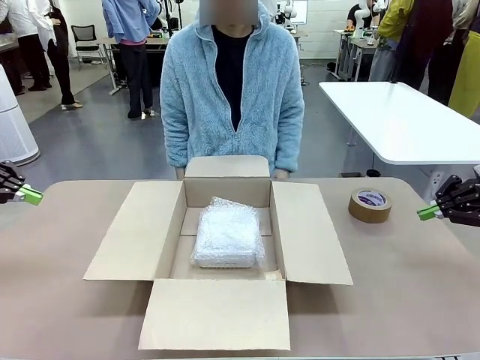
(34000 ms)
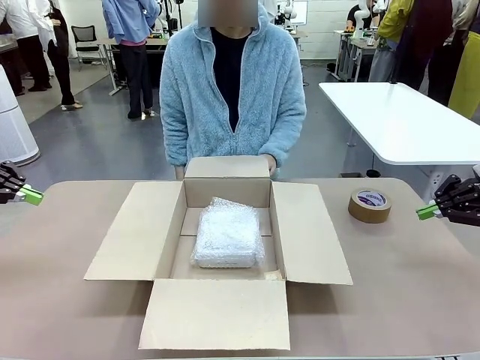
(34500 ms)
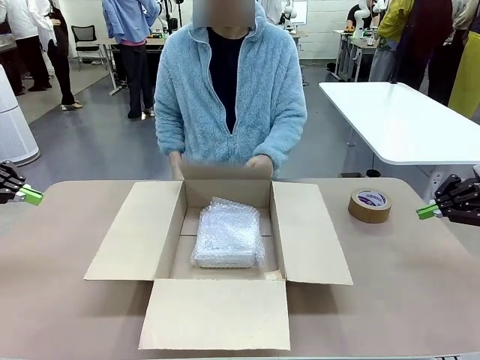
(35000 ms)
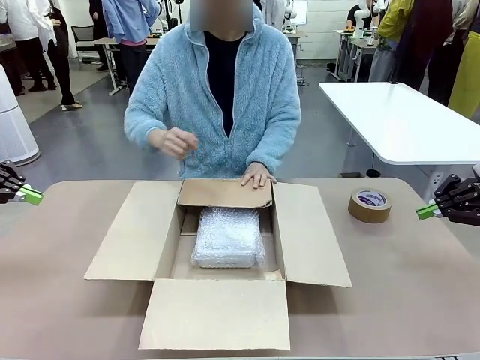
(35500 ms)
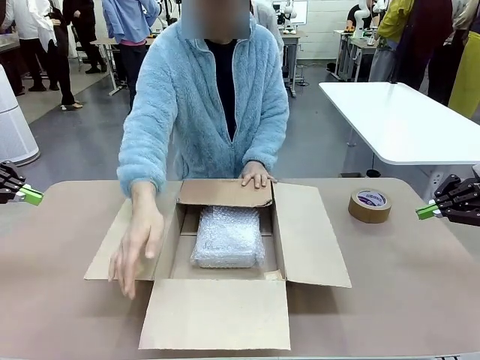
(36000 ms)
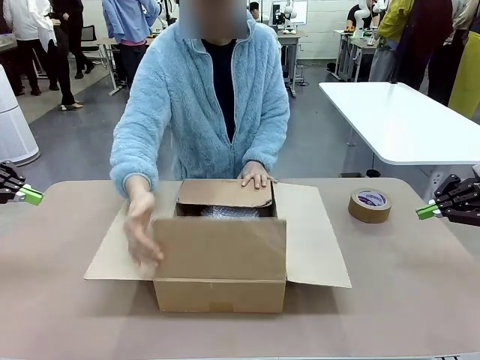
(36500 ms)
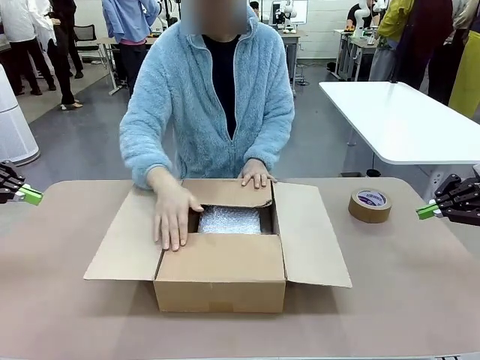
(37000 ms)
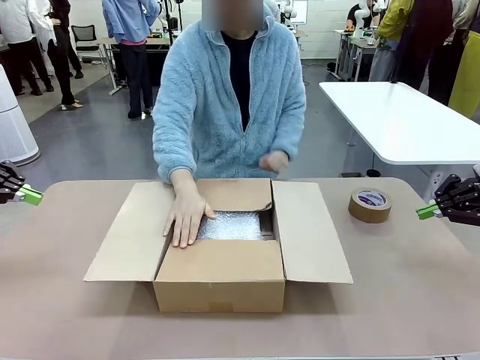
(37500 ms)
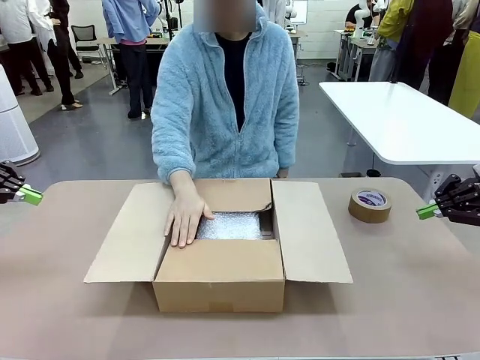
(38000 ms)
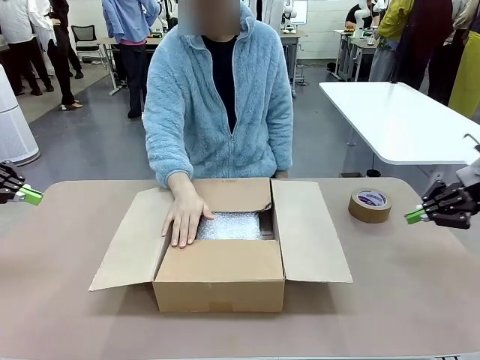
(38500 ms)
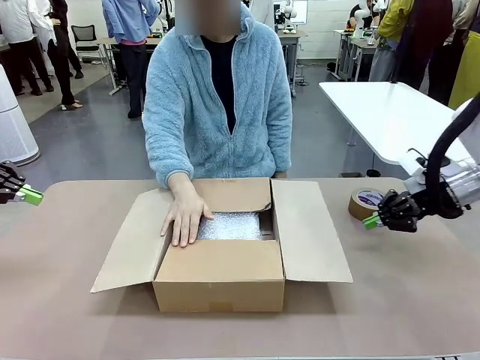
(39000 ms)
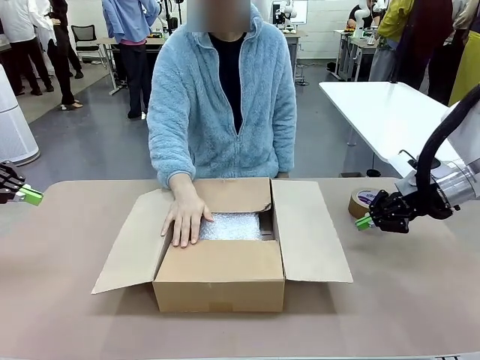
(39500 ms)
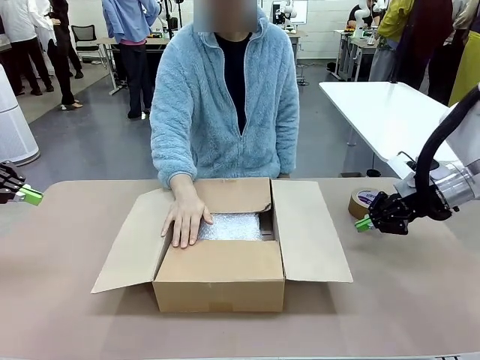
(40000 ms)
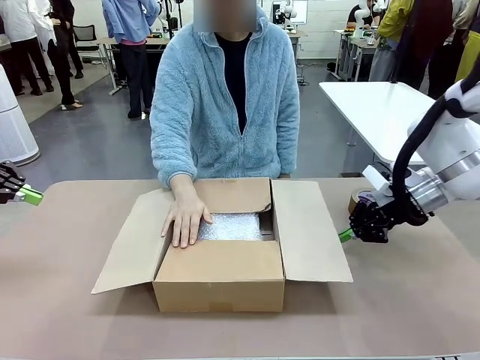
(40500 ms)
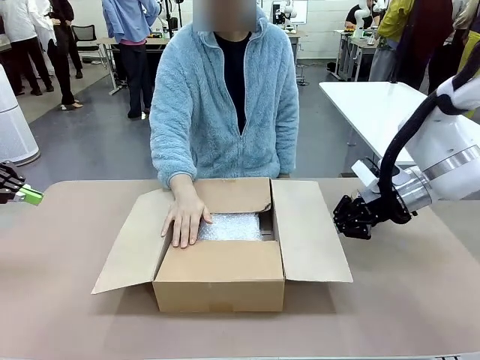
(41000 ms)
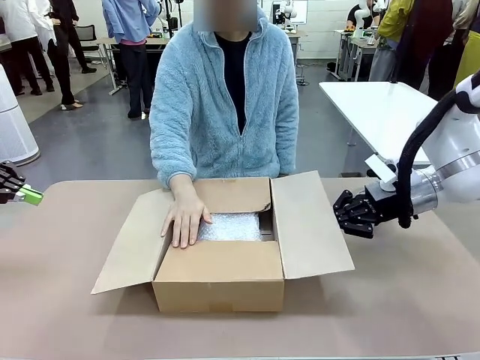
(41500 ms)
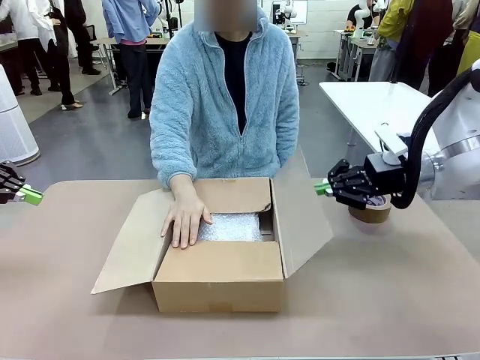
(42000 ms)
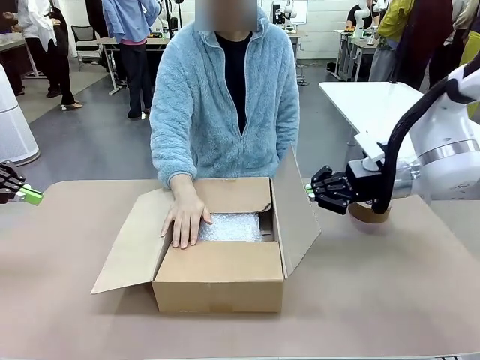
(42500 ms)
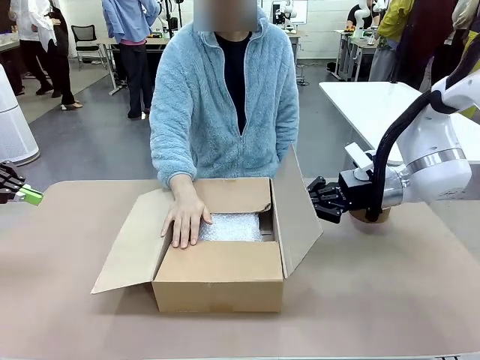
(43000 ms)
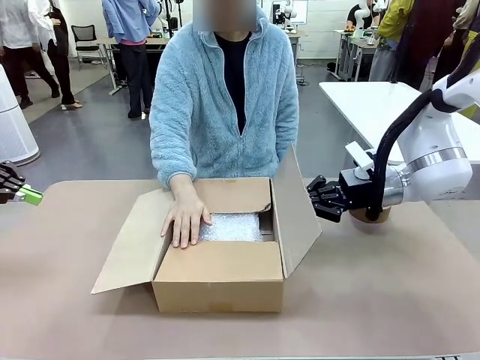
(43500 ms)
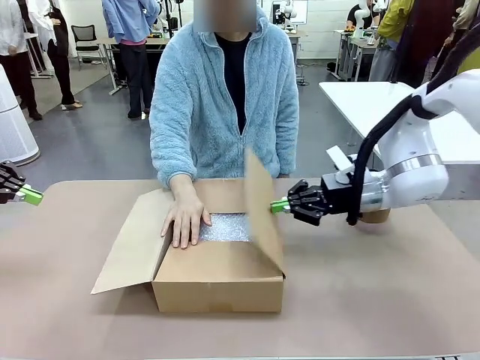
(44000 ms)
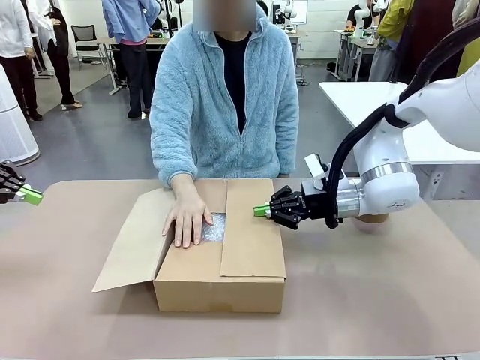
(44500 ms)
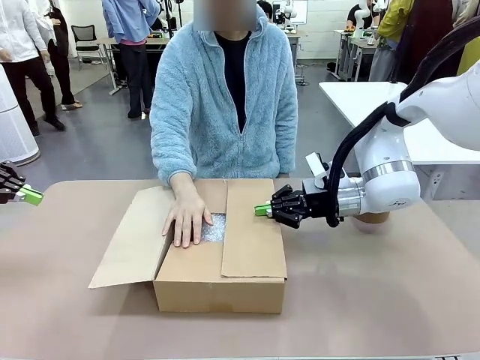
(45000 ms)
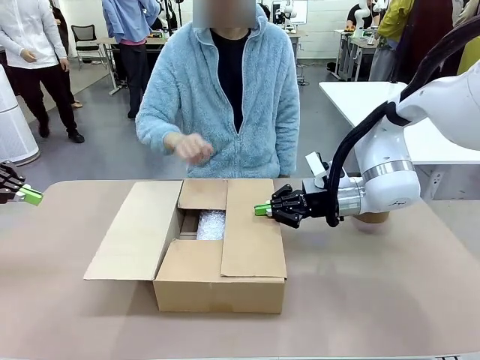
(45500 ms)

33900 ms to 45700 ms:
Task: Wrap the clocks to prevent damage.
Robot: Push the right (or left) flap of the Package Box to close it.
Person: Once the robot closes the right flap of the Package Box , release your left hand from the box.

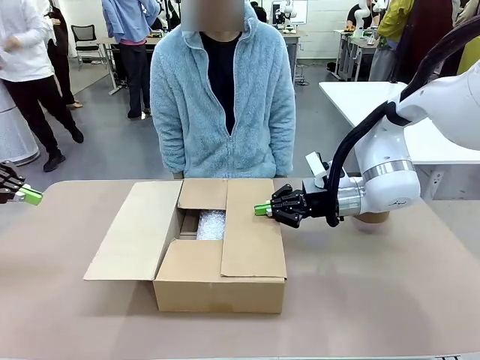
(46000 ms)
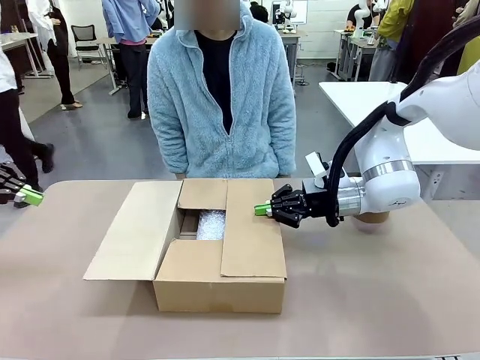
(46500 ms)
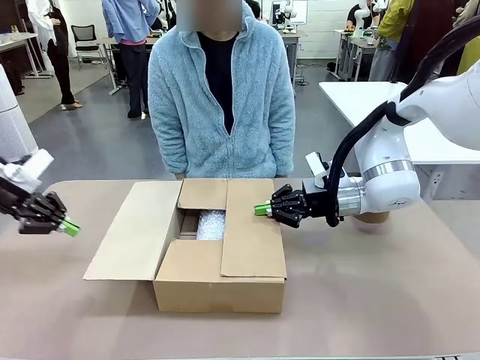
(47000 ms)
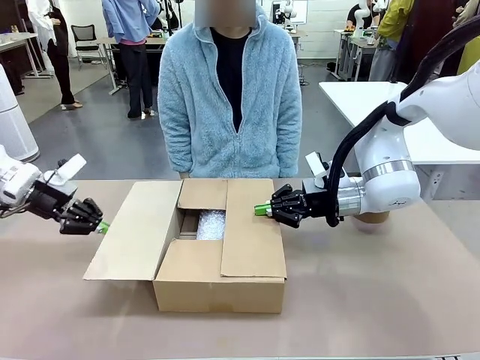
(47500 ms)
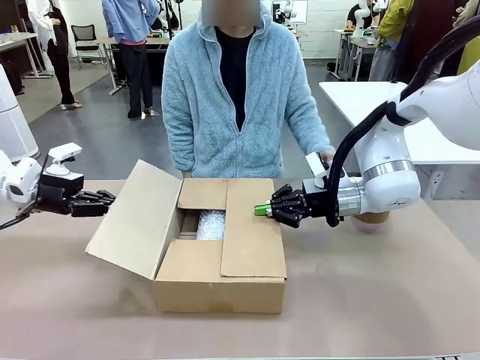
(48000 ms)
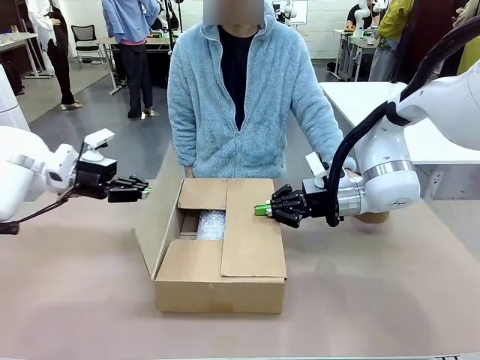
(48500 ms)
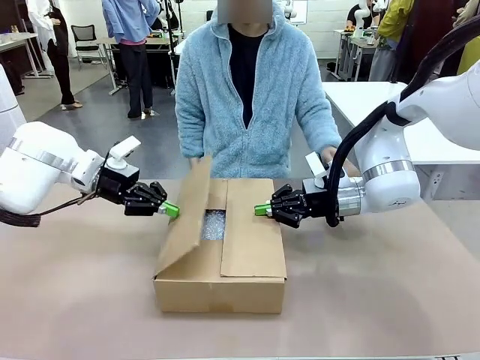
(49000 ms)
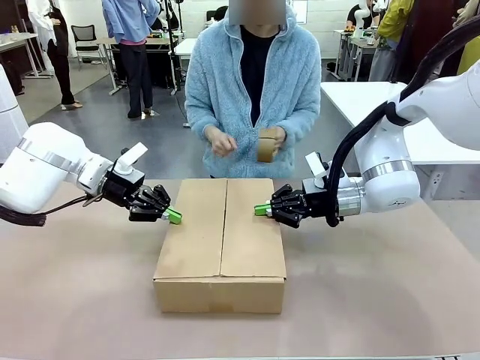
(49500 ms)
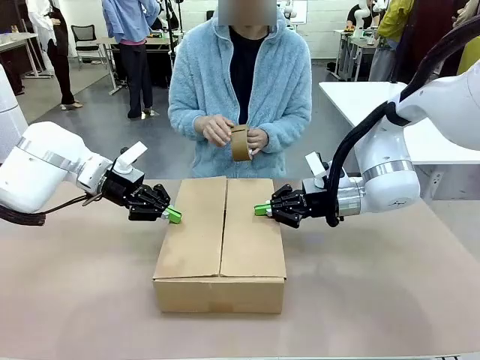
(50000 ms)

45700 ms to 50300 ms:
Robot: Push the left (or right) flap of the Package Box to close it.
